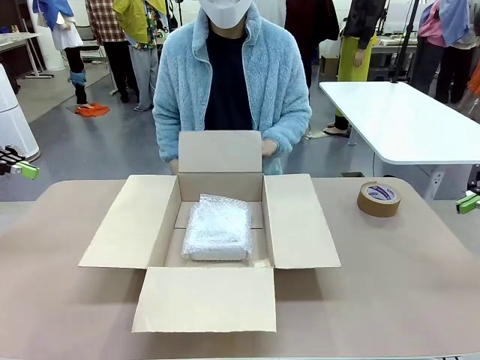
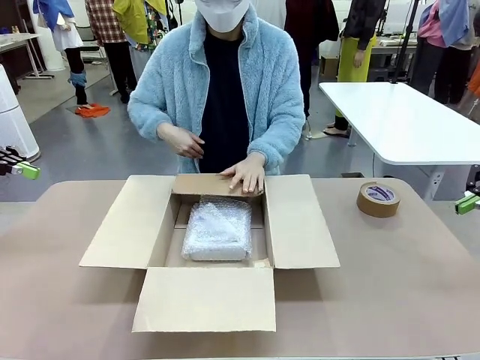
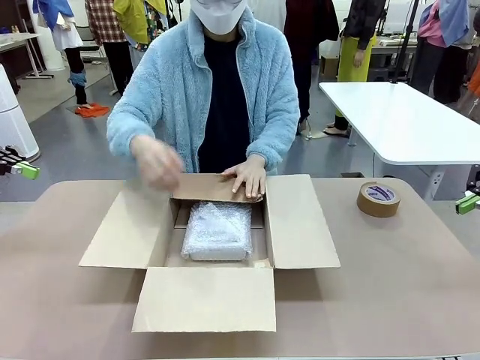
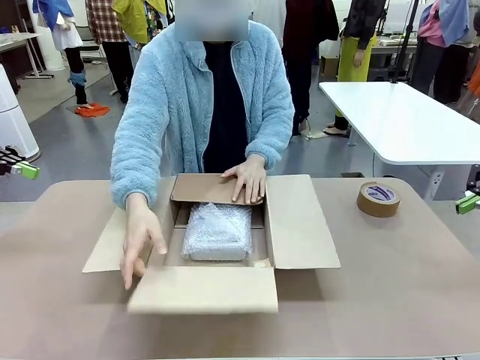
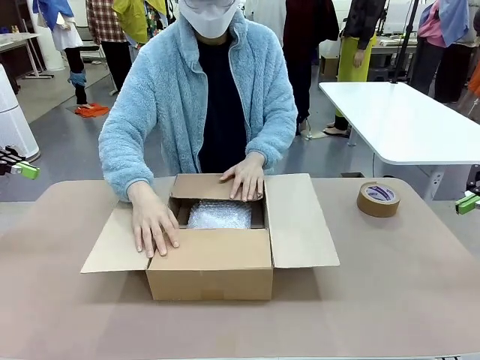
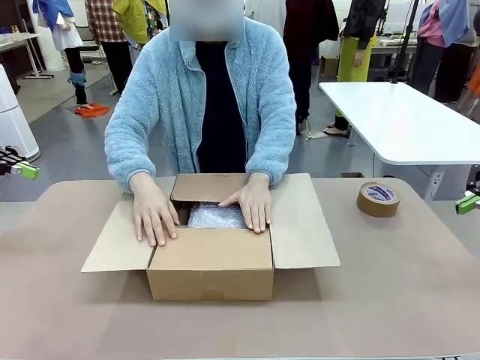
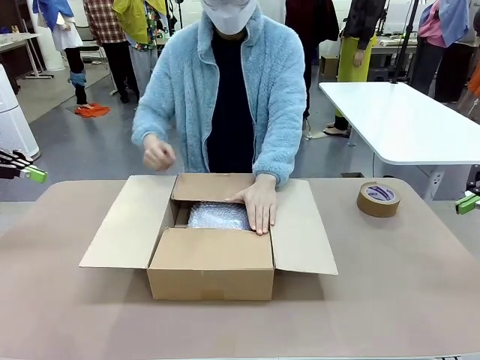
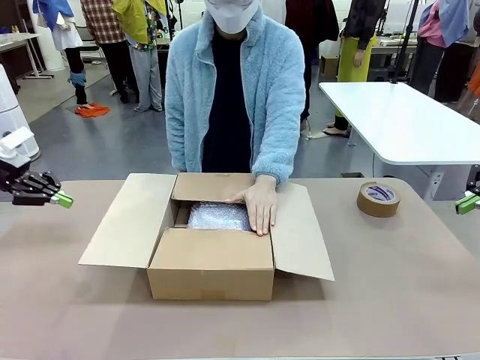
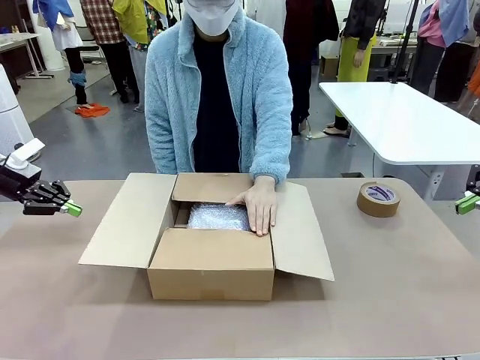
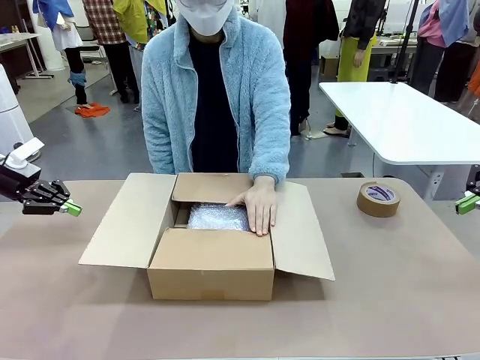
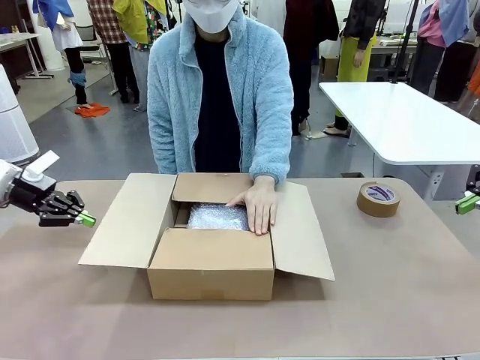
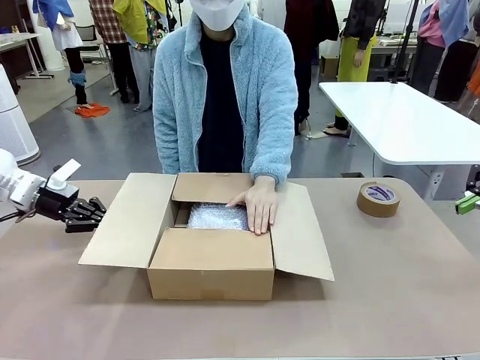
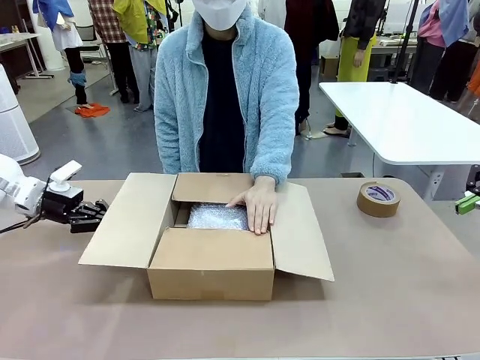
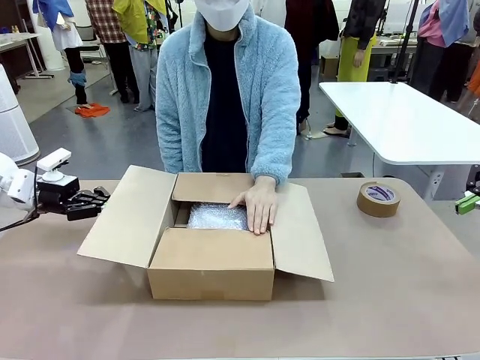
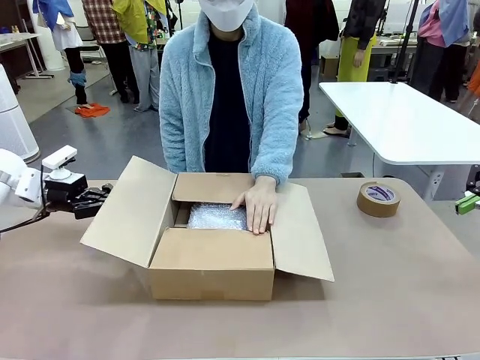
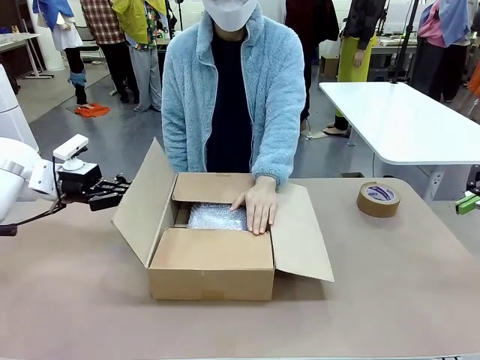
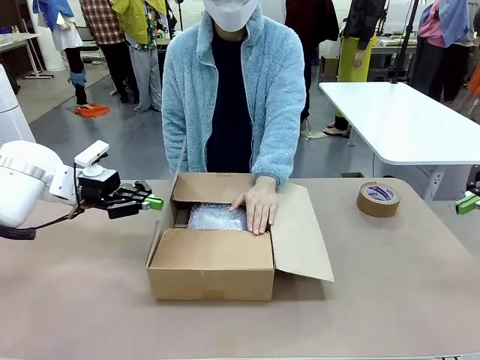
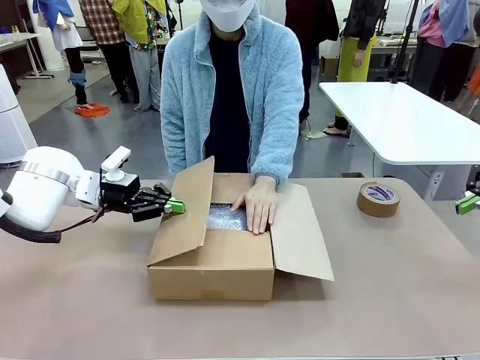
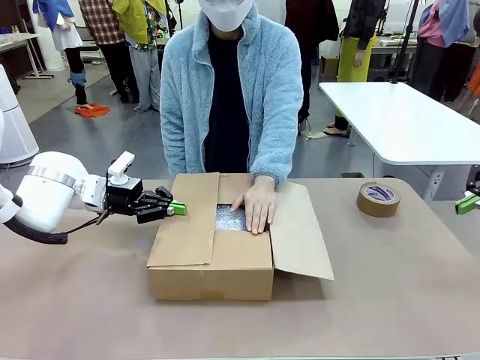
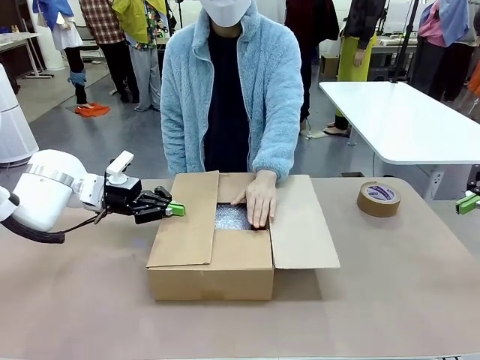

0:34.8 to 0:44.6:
Task: Wrap the clocks to prevent damage.
Robot: Push the right (or left) flap of the Package Box to close it.
Person: Once the robot closes the right flap of the Package Box , release your left hand from the box.

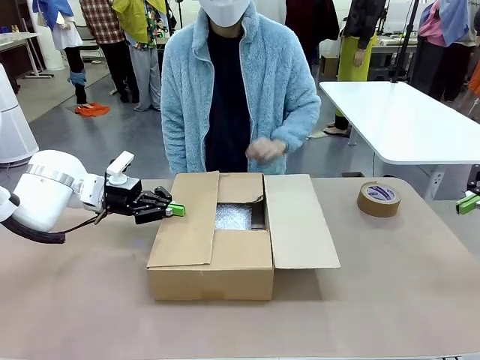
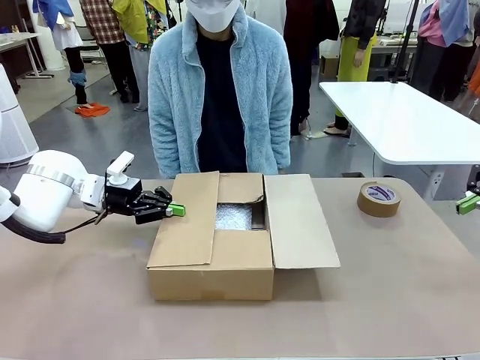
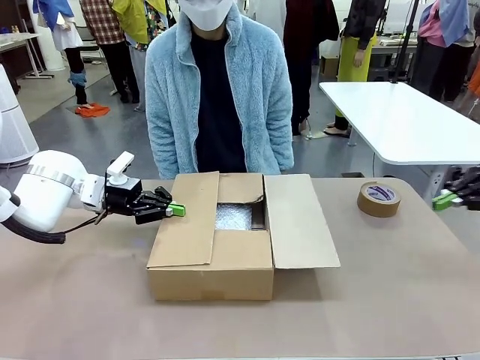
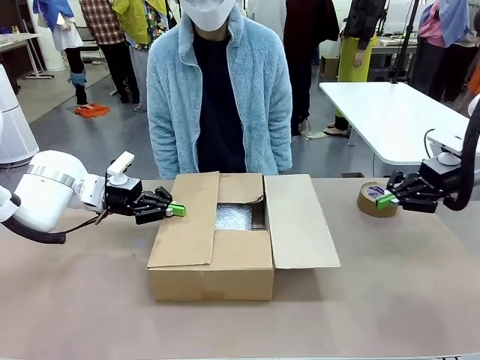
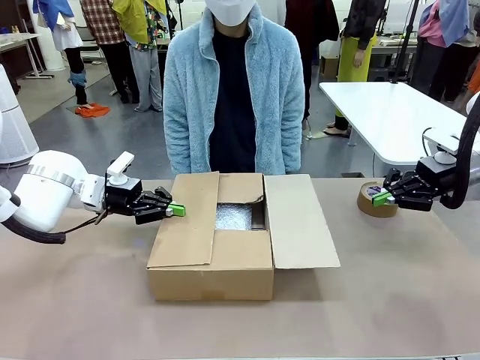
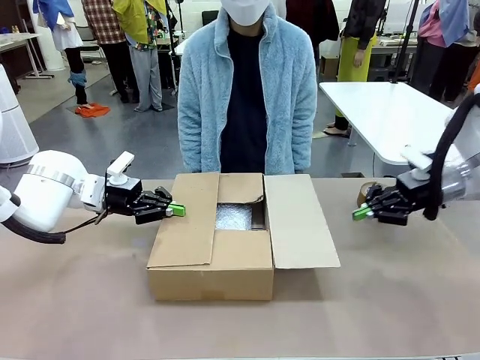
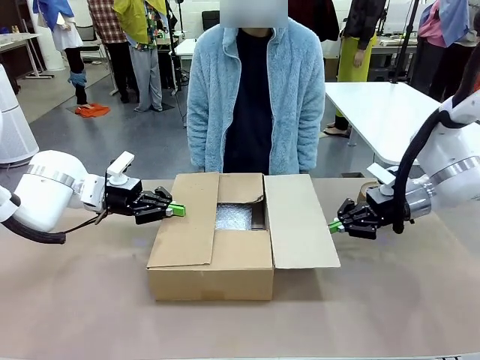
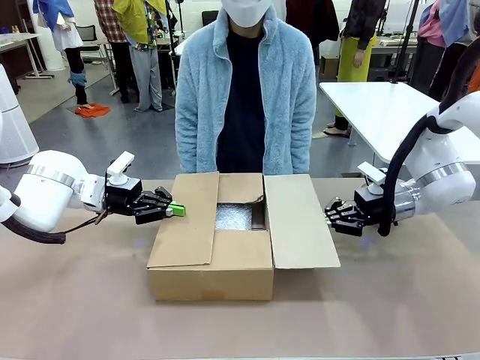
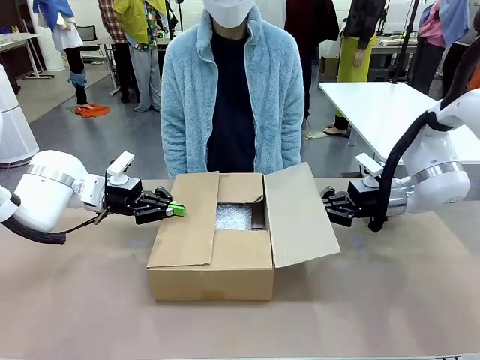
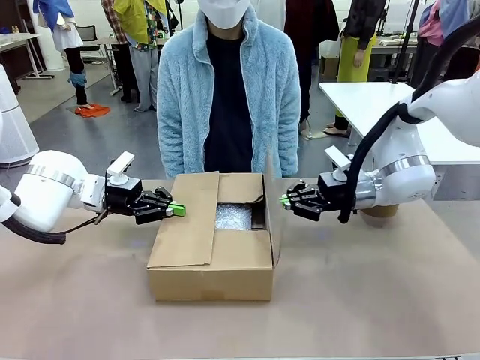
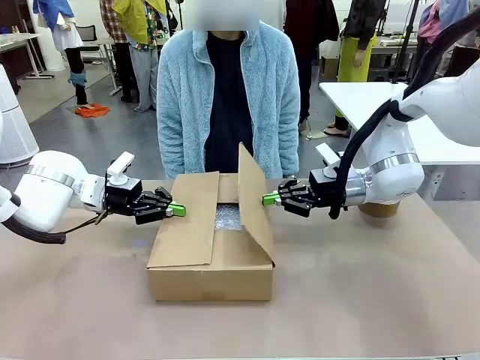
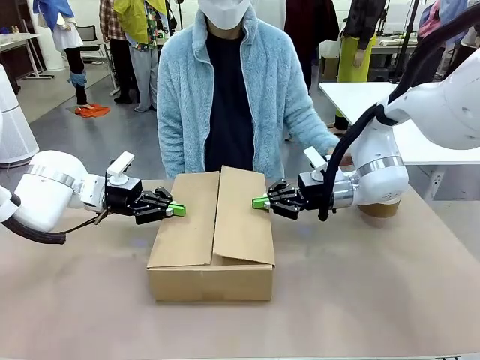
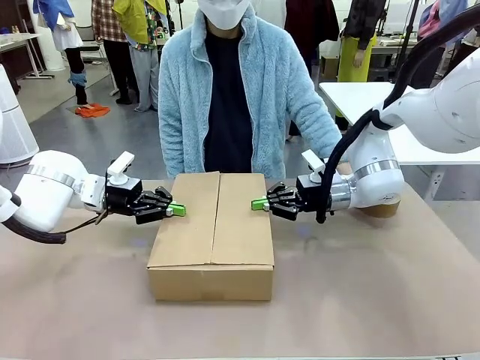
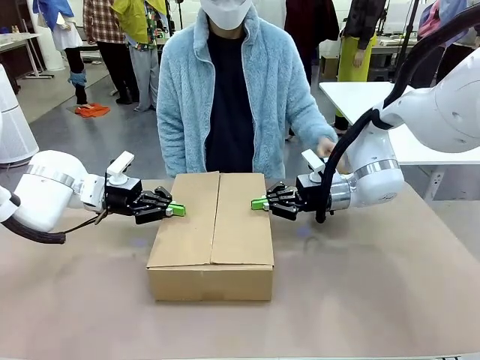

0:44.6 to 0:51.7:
Robot: Push the left (or right) flap of the Package Box to close it.

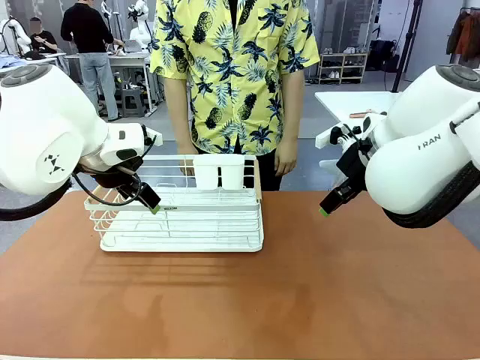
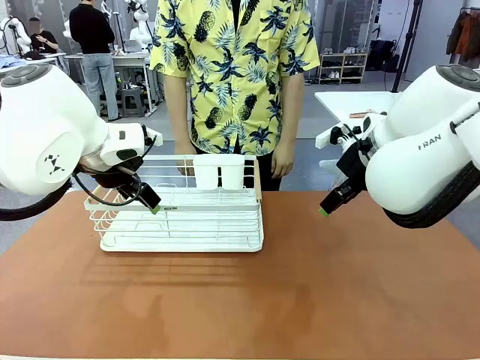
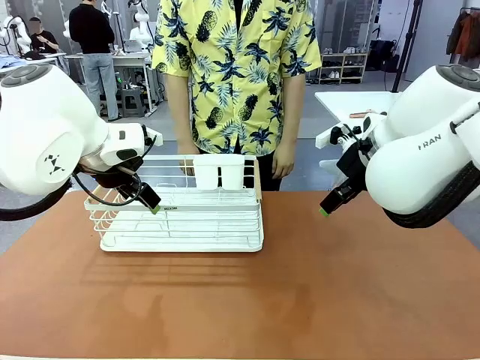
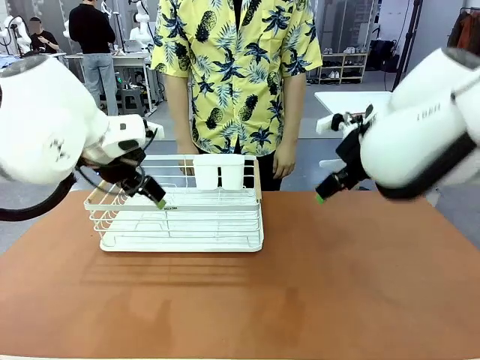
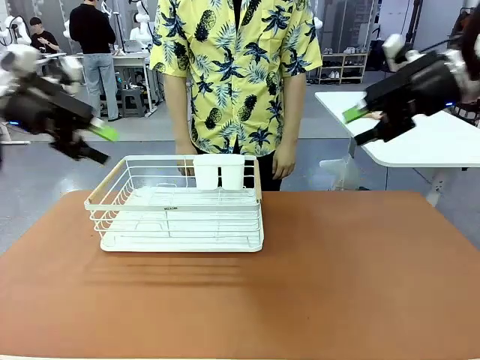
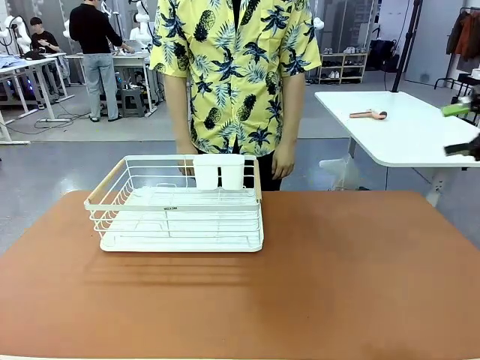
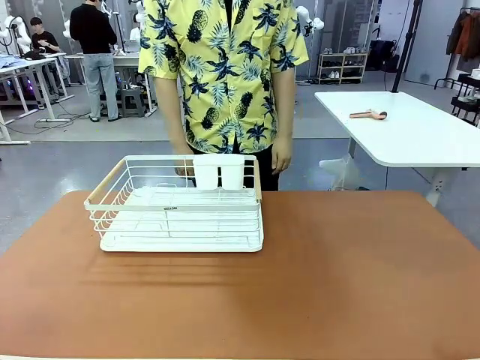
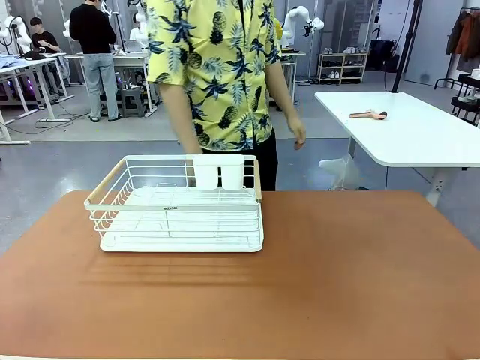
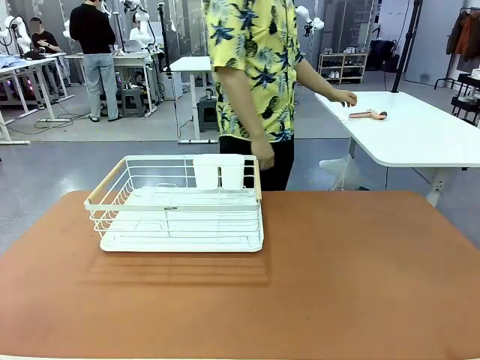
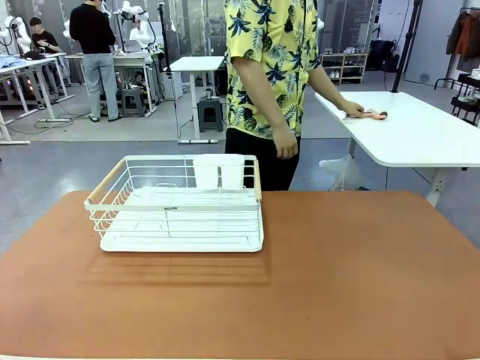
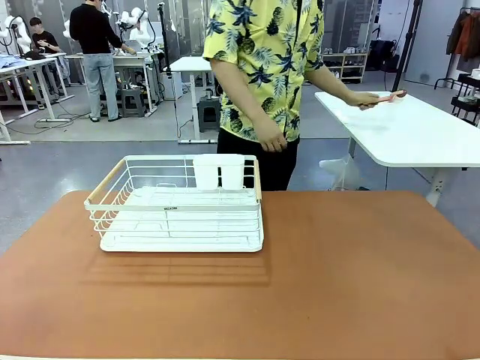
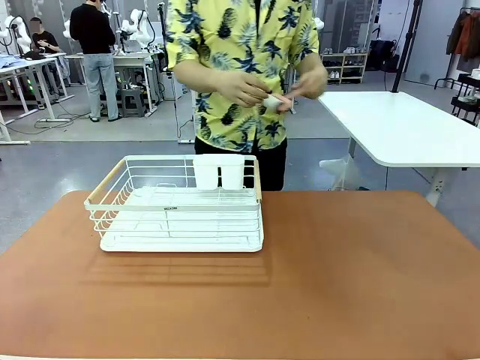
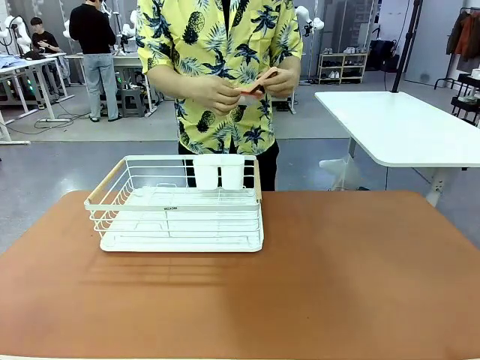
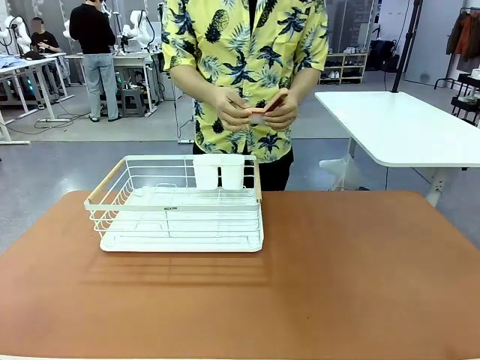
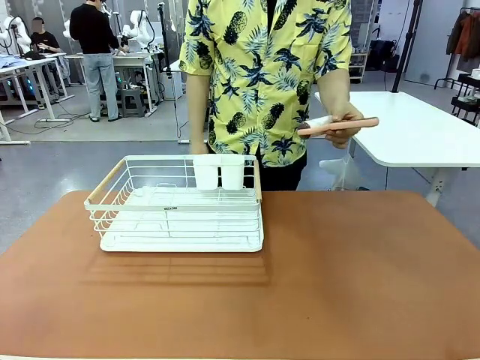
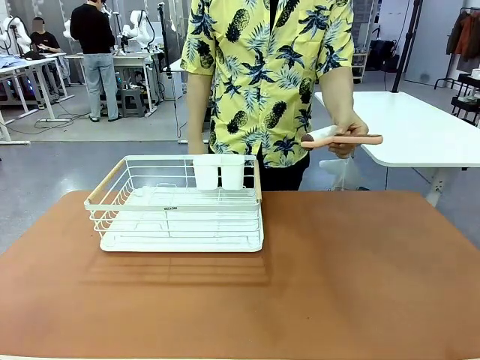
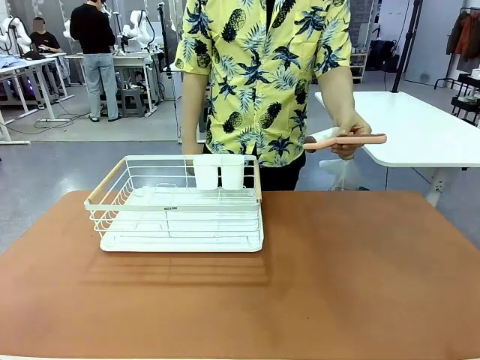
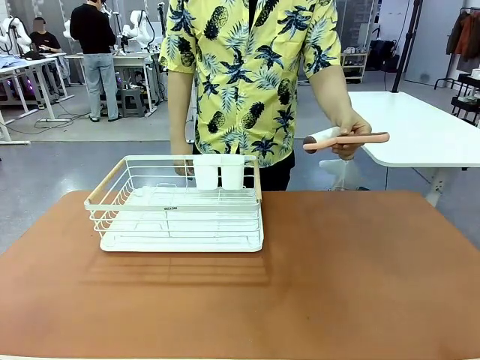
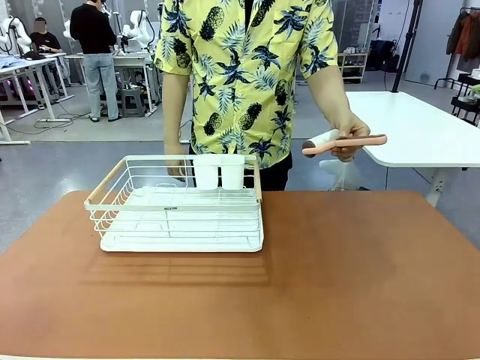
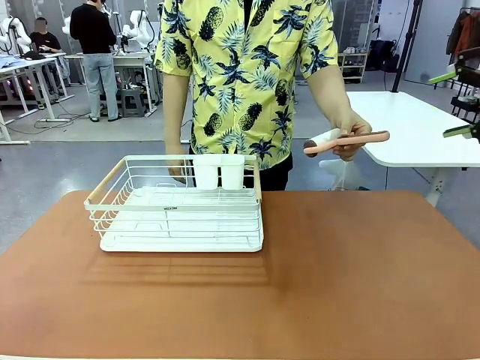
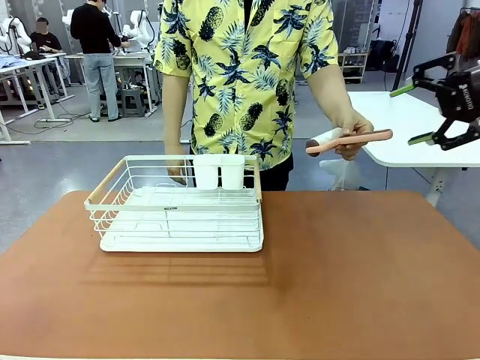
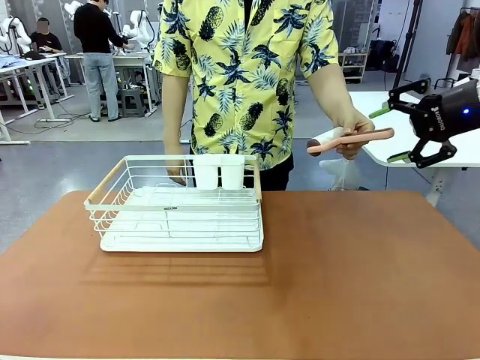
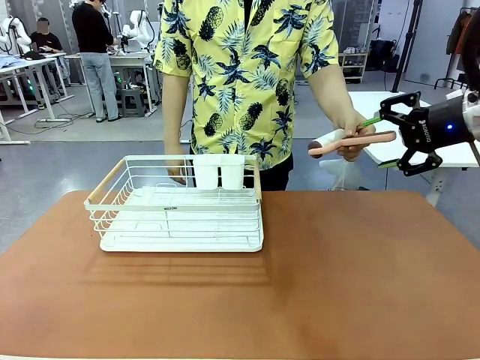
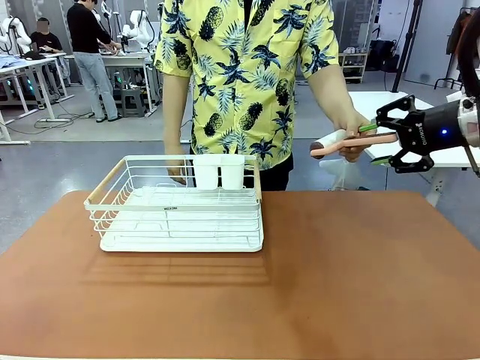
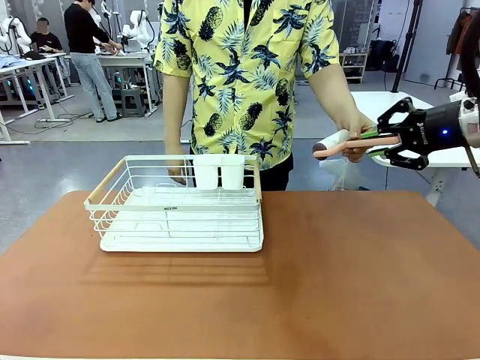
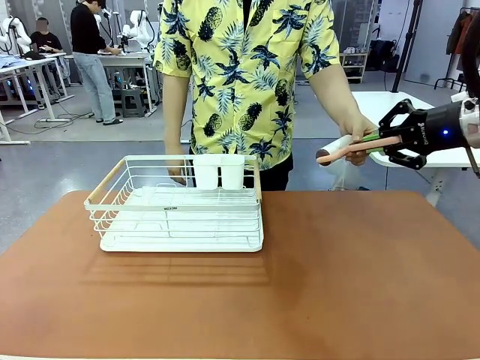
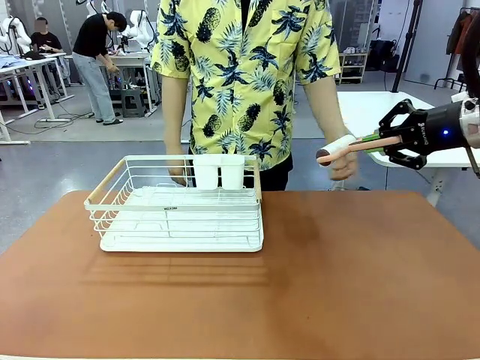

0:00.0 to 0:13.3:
Task: Clean the table.
Robot: Pick up the Lint Roller when the human hands it over.
Person: Hand the Lint Roller to the robot so it can easily pick it up. Lift the Dish drying rack.
